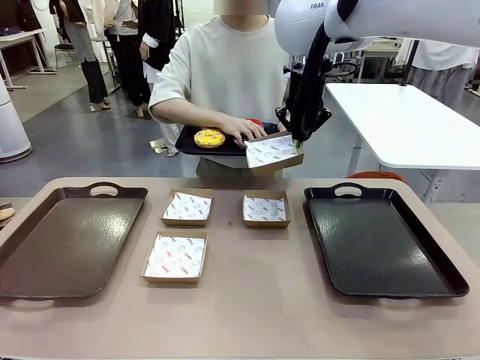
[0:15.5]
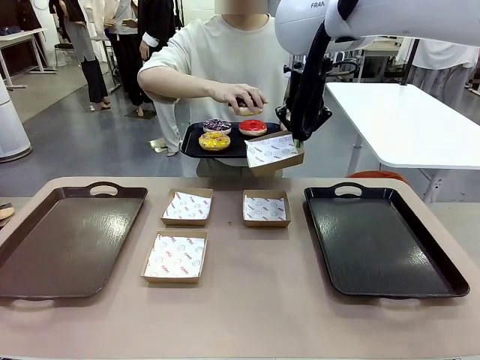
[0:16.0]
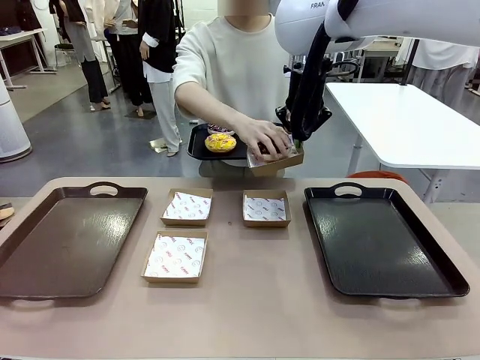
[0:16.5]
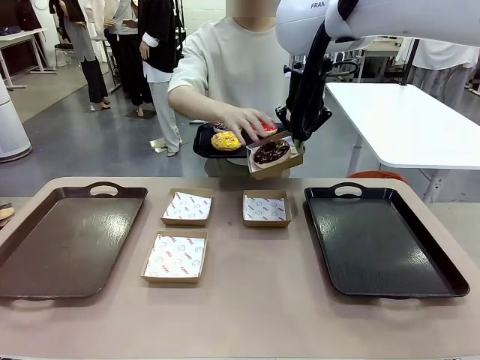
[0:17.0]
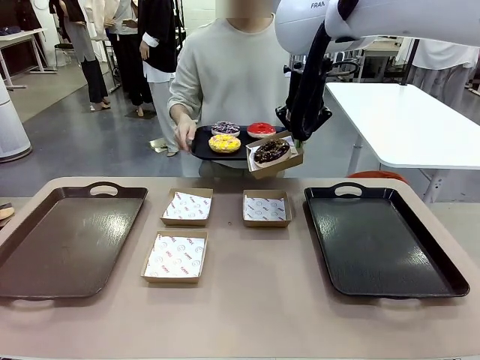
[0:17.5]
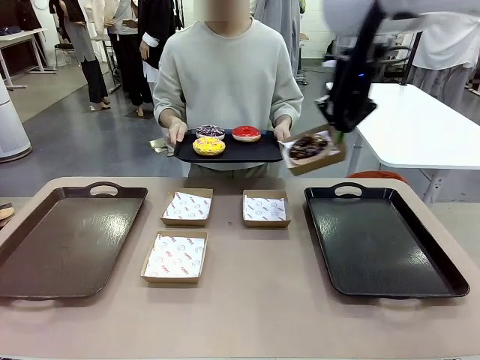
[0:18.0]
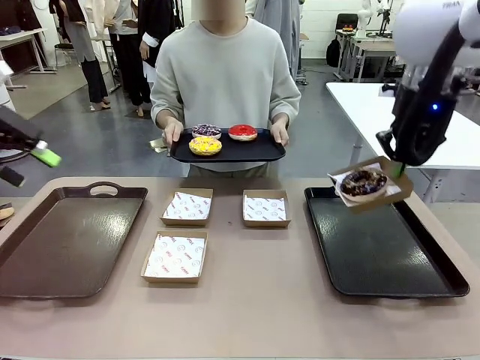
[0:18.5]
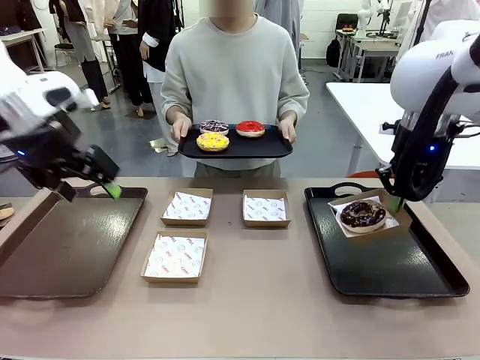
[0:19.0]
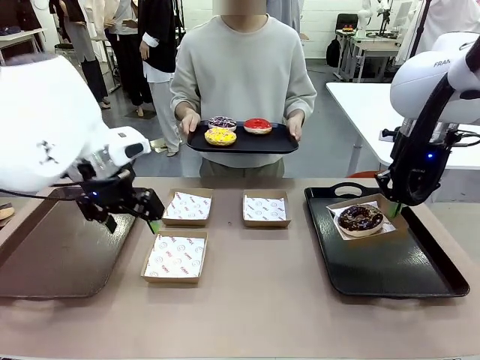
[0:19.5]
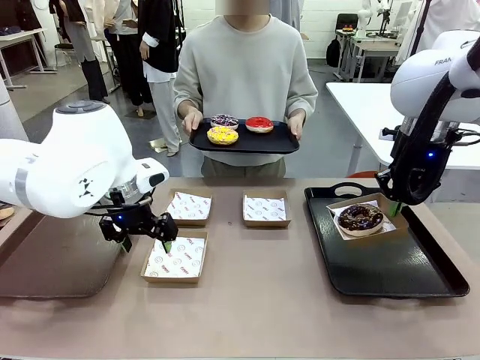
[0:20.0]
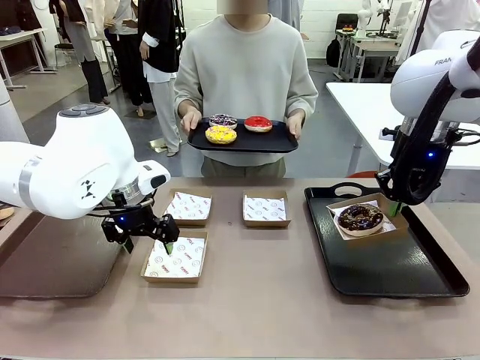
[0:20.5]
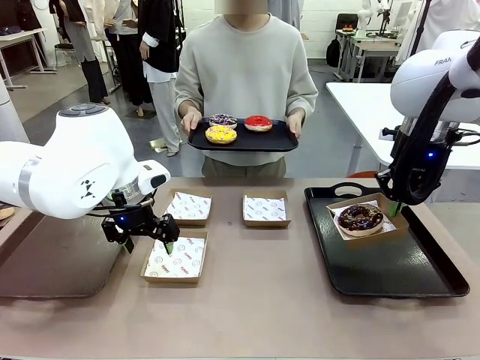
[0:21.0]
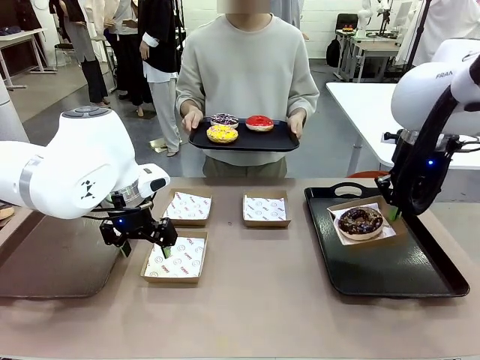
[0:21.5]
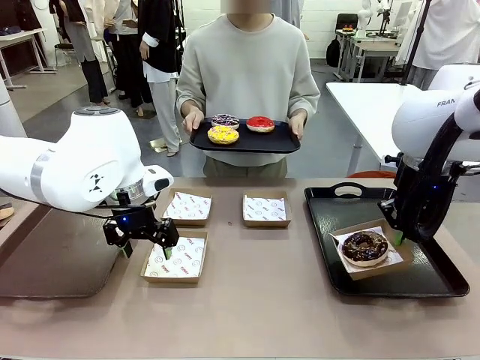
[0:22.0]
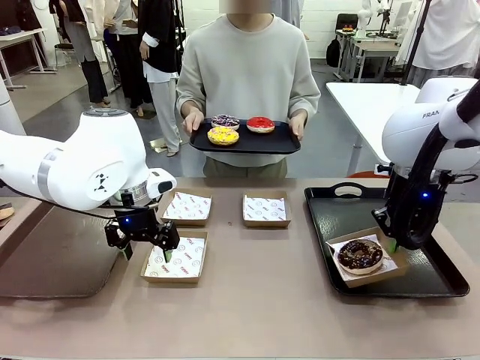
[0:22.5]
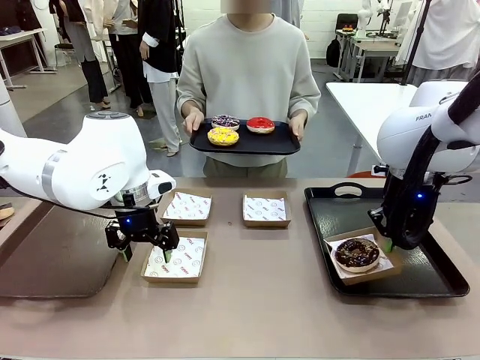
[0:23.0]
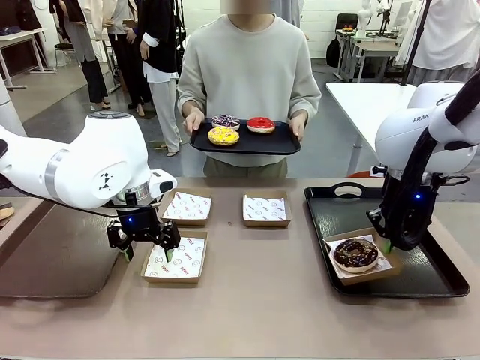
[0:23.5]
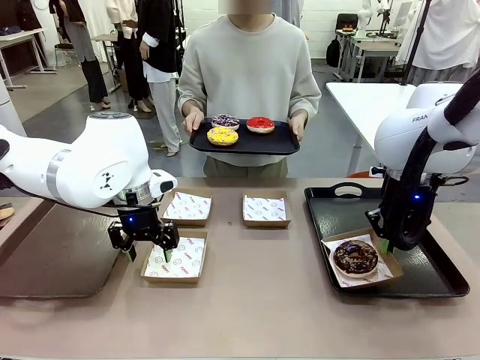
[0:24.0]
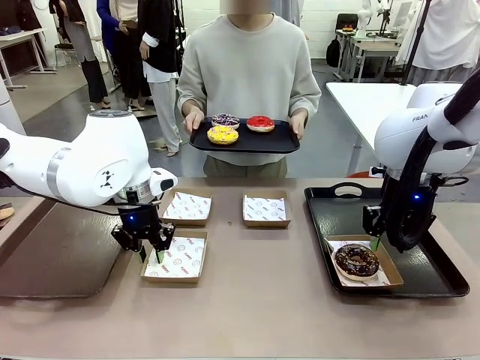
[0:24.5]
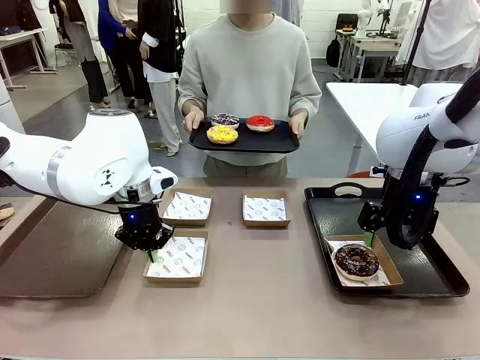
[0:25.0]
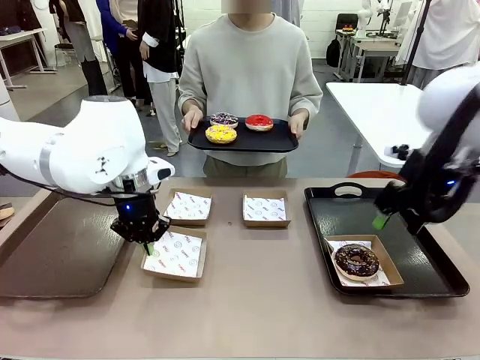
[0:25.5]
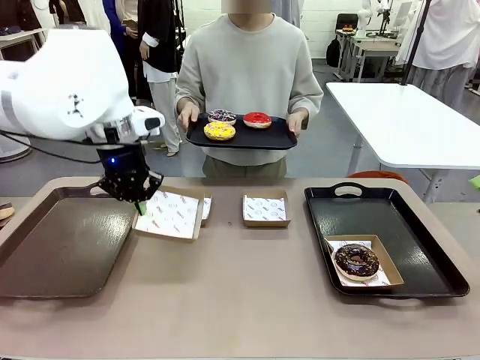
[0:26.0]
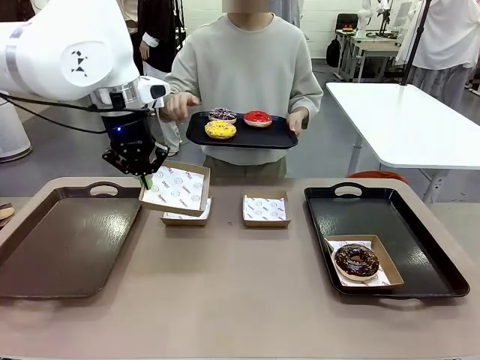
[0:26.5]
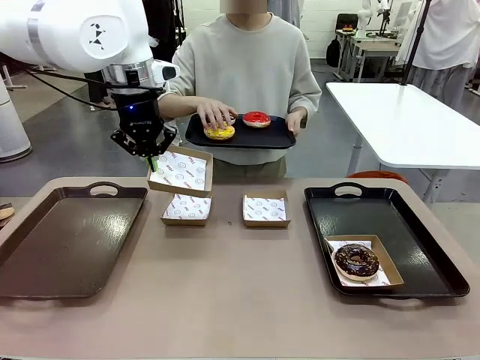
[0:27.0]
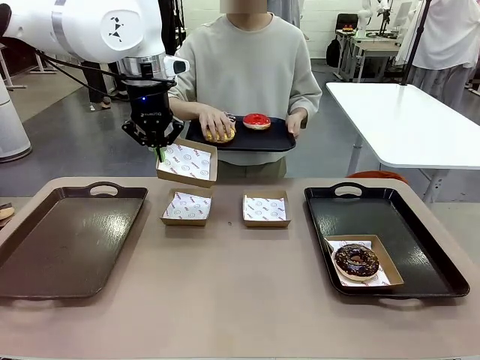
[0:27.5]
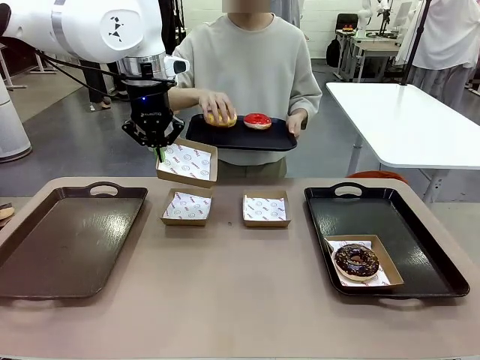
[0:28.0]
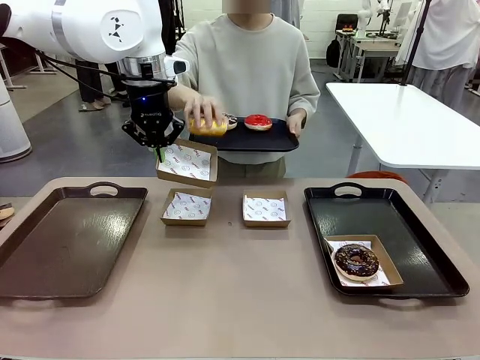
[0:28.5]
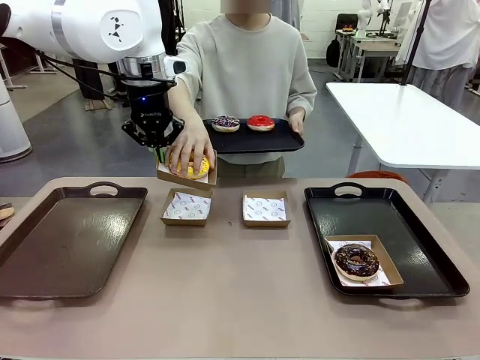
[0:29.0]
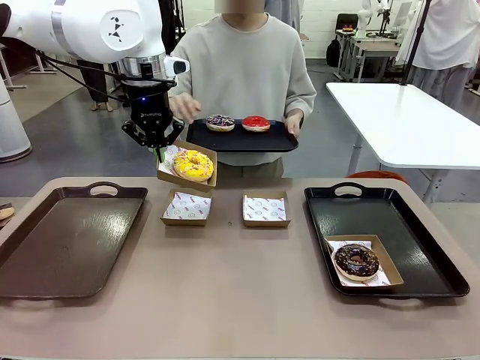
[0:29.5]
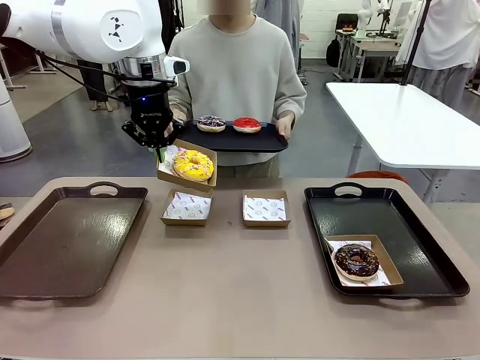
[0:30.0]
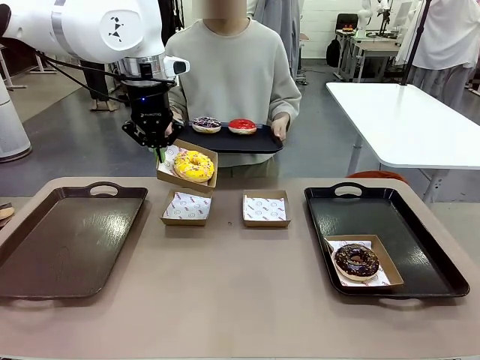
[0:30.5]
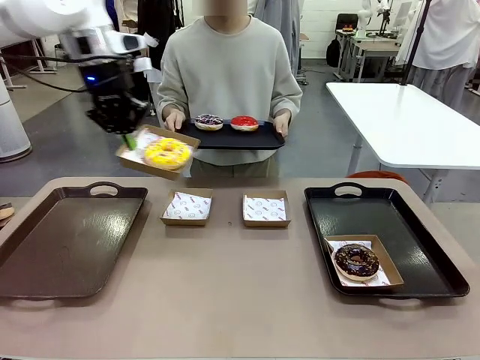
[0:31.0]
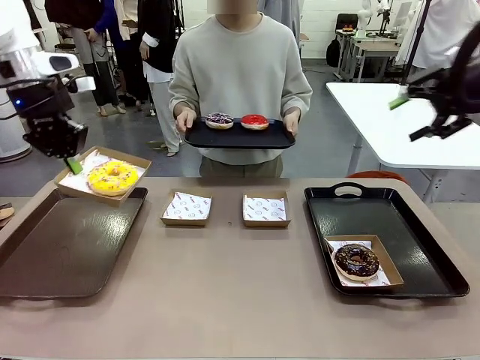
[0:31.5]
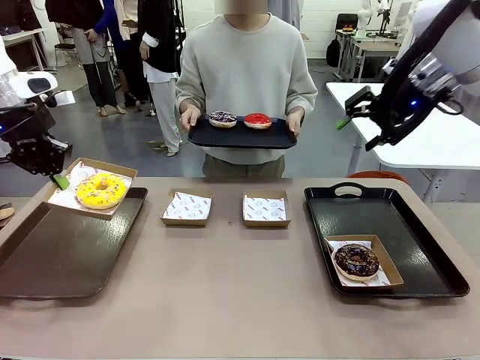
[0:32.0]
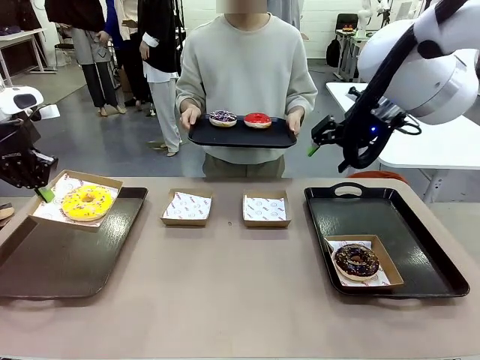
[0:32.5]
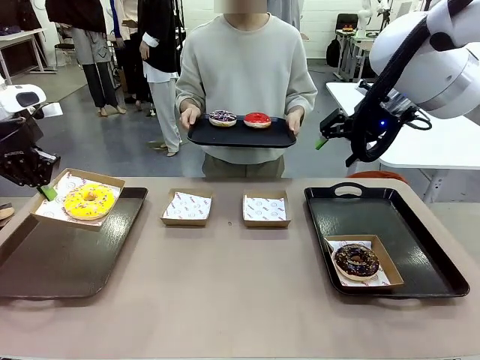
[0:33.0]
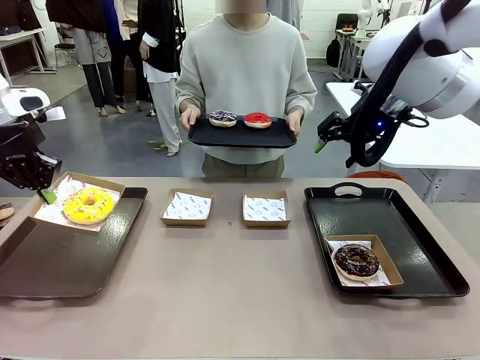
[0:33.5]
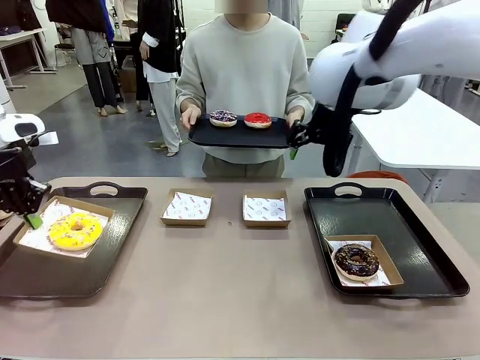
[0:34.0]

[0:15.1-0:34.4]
Task: Individually package the donuts and arrange them on the tray.
Robot: Place the picked Paper togo box on the Handle tray while simultaneously picking up another Paper togo box from the table with the other hand.

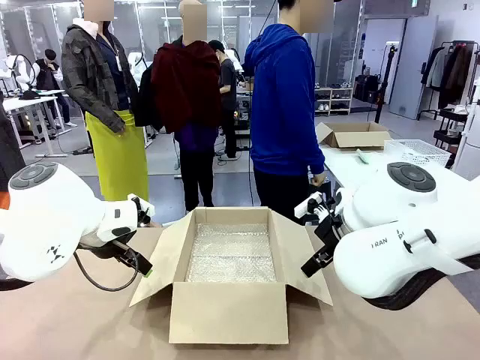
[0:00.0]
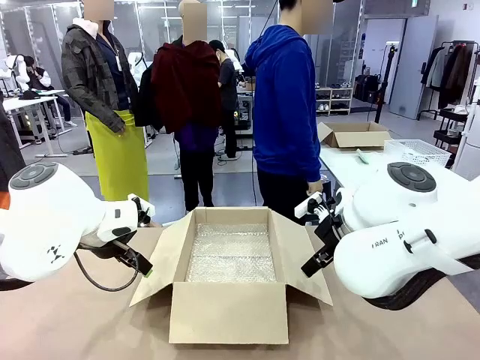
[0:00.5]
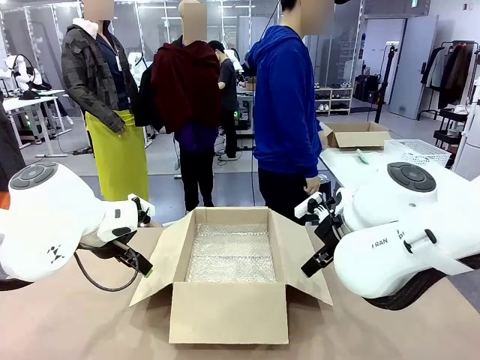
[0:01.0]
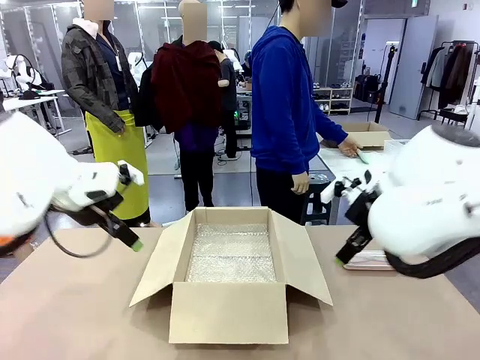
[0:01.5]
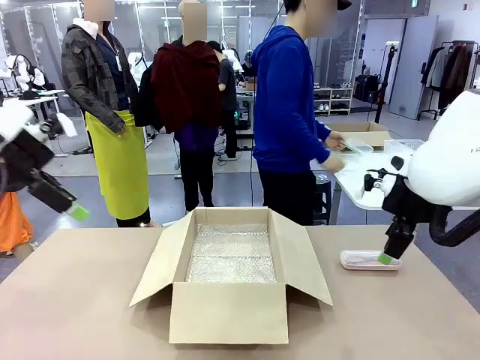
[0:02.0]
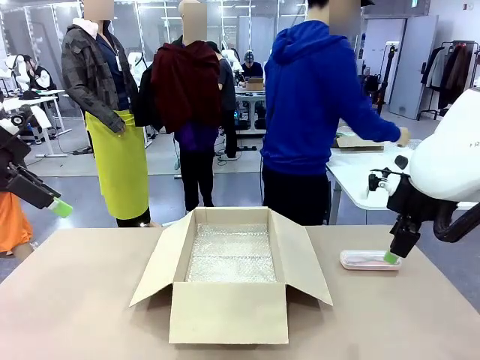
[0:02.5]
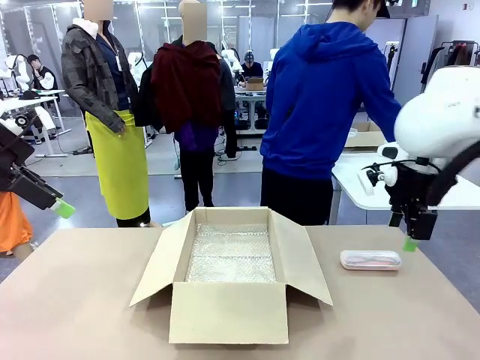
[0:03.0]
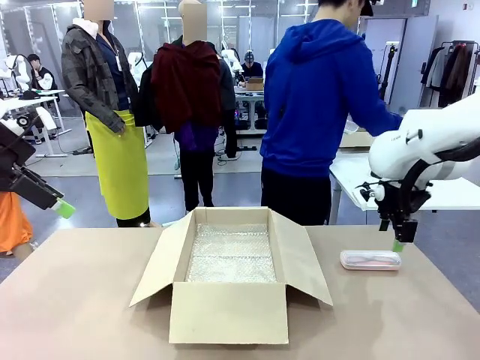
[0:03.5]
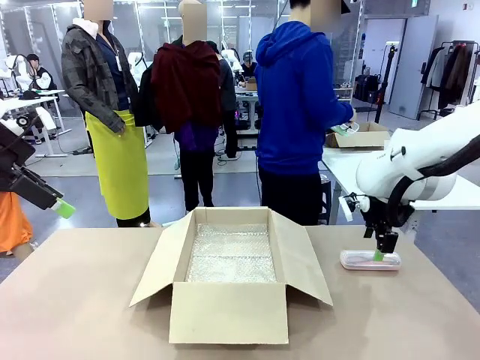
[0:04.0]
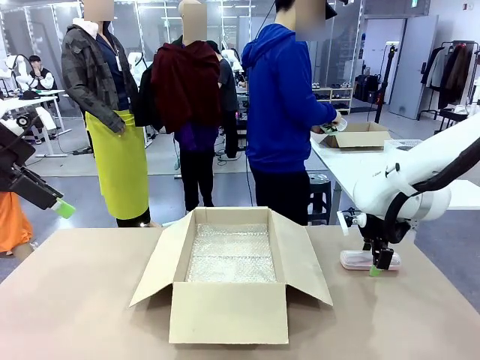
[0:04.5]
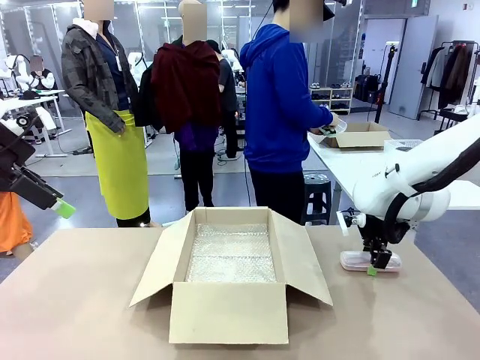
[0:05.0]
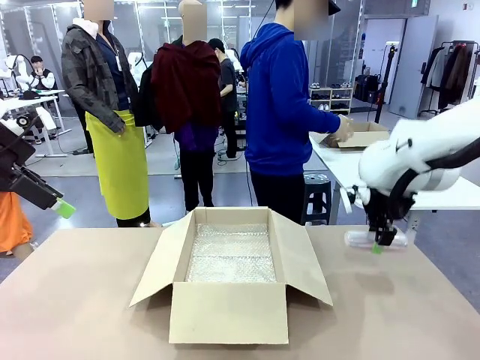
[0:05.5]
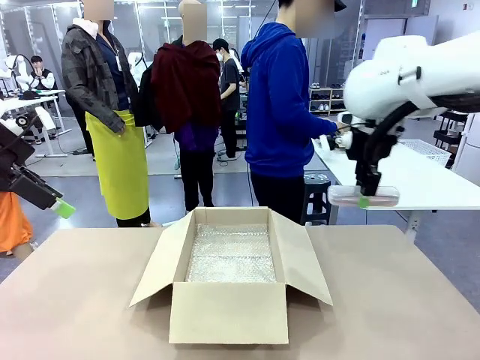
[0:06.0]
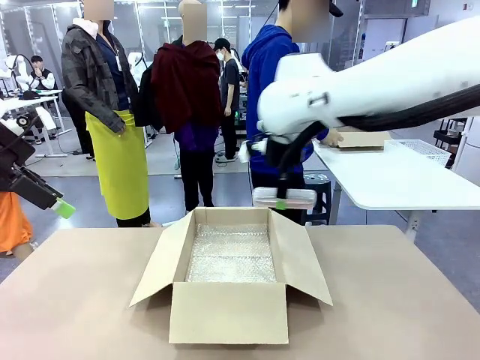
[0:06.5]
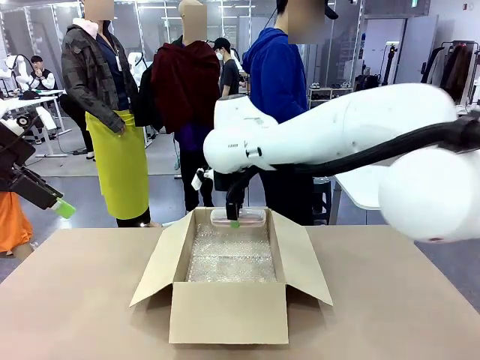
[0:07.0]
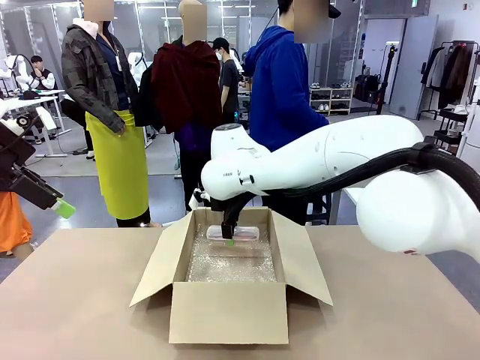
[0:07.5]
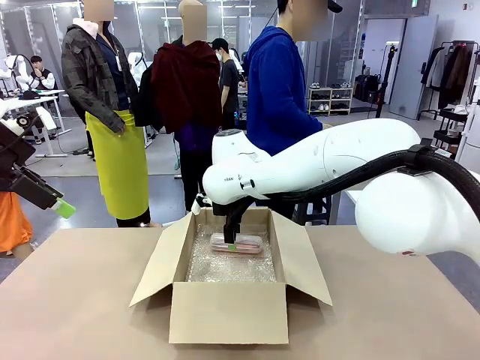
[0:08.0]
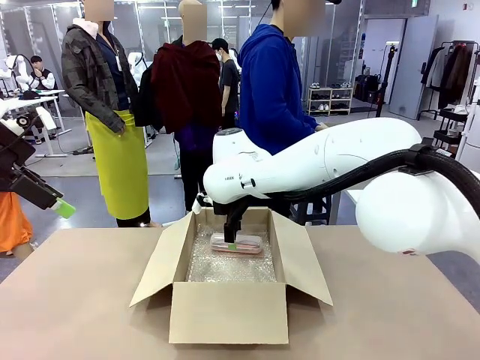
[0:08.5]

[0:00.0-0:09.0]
Task: Pack the glasses set securely to prepare it for shipping.
Robot: Place the Glasses case inside the Package Box.
Person: Place the Glasses inside the Glasses case.
